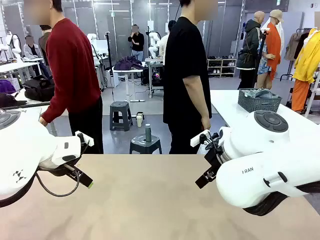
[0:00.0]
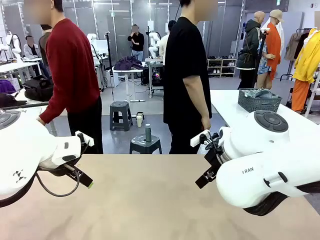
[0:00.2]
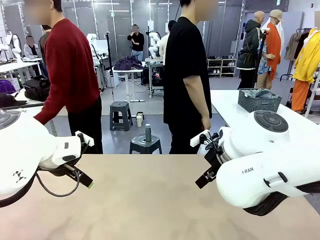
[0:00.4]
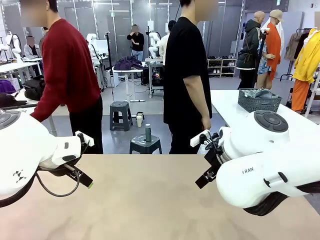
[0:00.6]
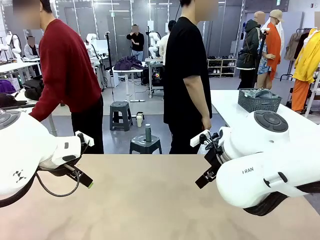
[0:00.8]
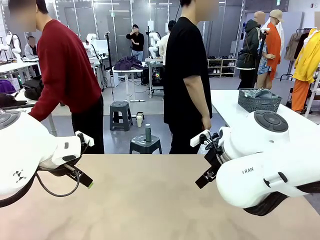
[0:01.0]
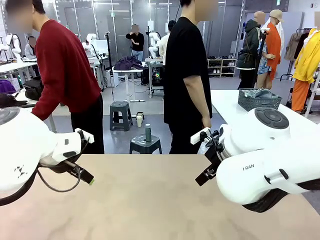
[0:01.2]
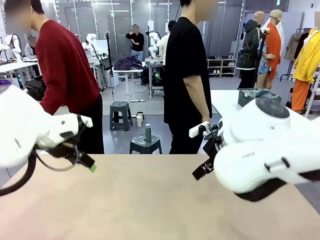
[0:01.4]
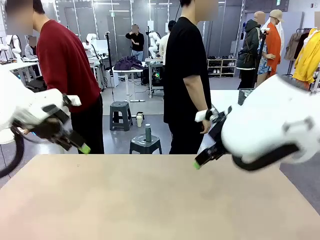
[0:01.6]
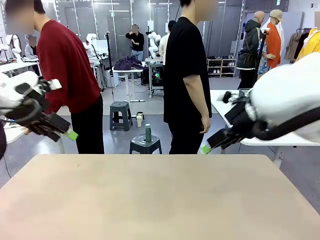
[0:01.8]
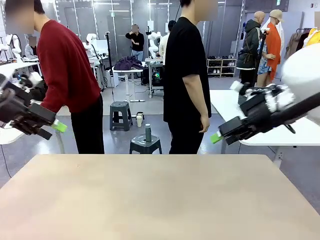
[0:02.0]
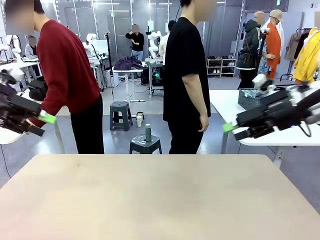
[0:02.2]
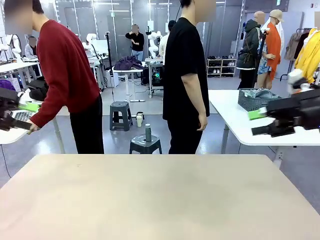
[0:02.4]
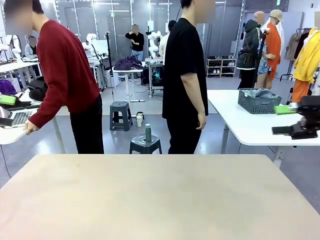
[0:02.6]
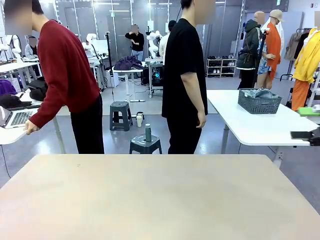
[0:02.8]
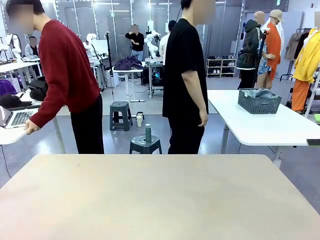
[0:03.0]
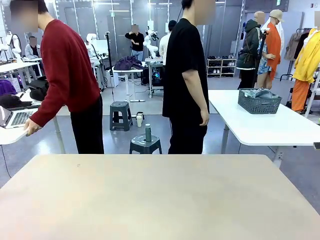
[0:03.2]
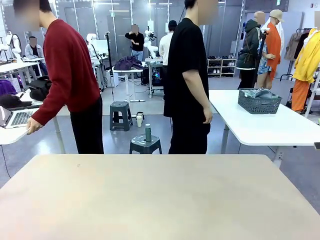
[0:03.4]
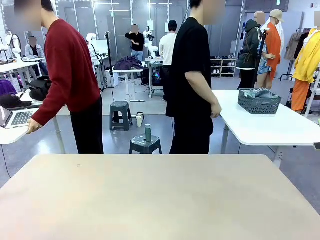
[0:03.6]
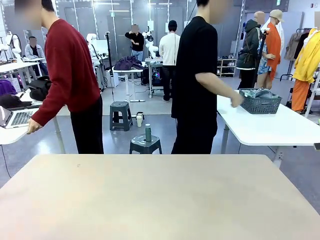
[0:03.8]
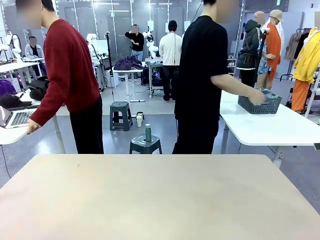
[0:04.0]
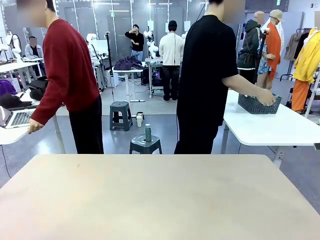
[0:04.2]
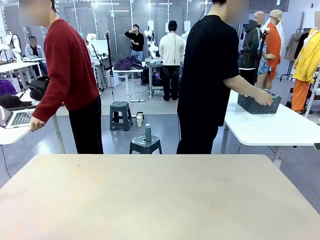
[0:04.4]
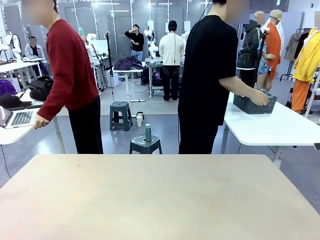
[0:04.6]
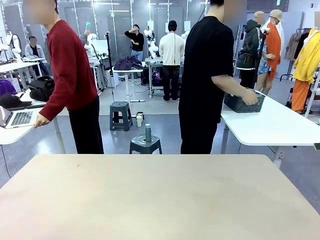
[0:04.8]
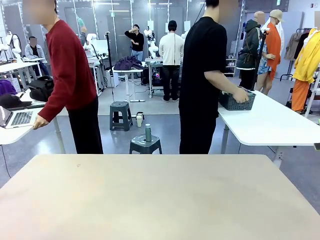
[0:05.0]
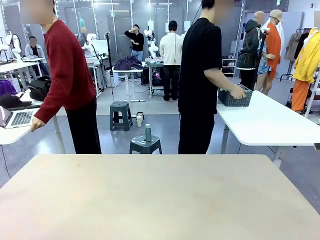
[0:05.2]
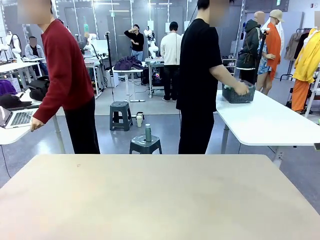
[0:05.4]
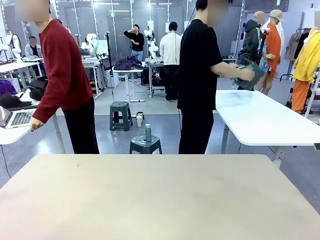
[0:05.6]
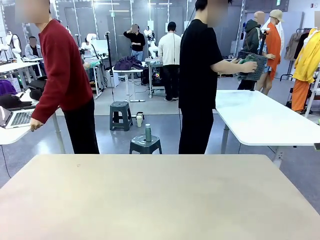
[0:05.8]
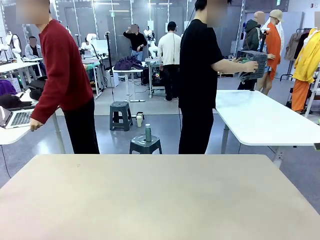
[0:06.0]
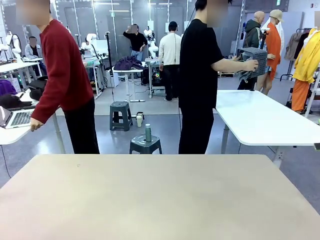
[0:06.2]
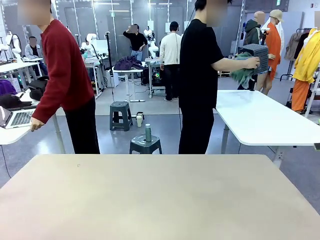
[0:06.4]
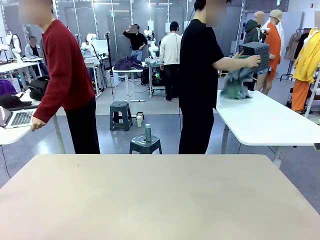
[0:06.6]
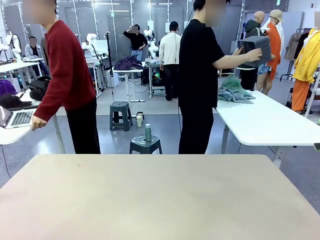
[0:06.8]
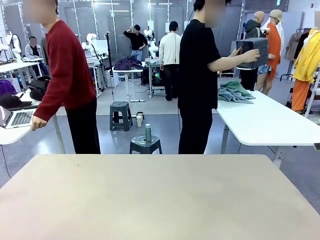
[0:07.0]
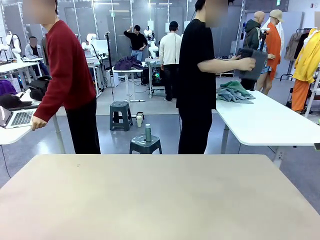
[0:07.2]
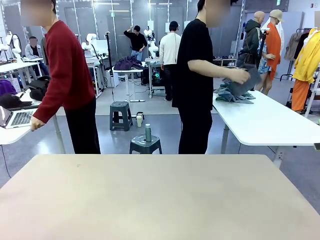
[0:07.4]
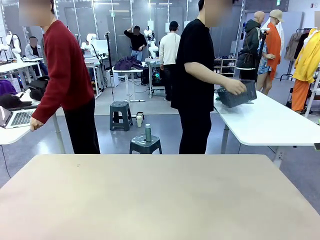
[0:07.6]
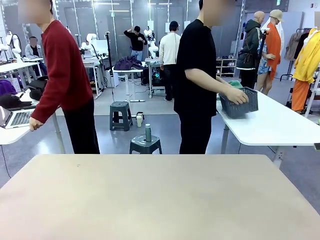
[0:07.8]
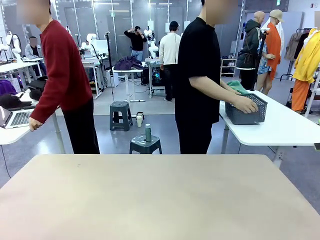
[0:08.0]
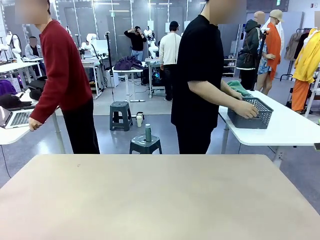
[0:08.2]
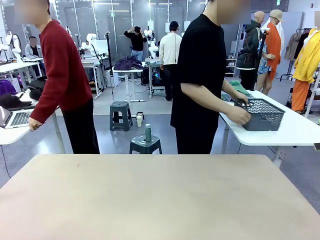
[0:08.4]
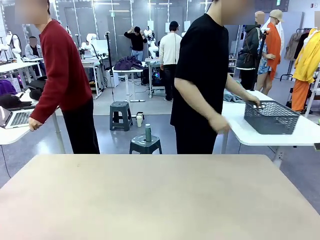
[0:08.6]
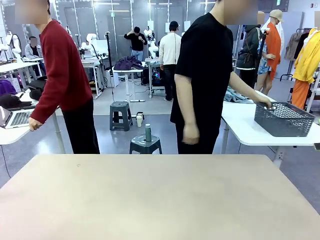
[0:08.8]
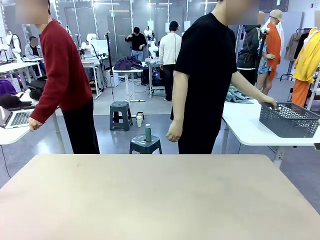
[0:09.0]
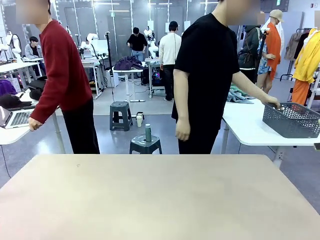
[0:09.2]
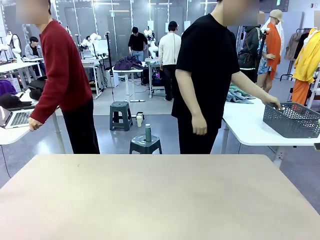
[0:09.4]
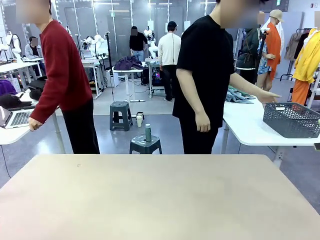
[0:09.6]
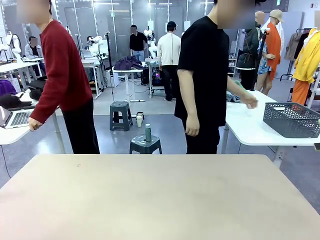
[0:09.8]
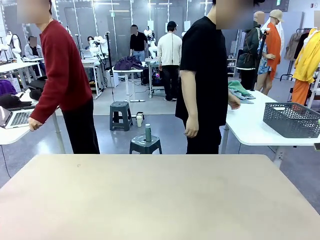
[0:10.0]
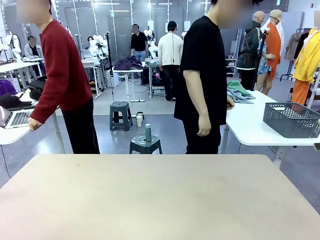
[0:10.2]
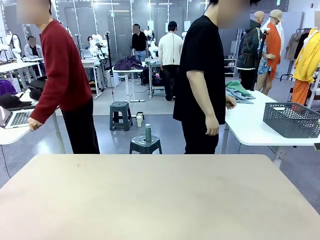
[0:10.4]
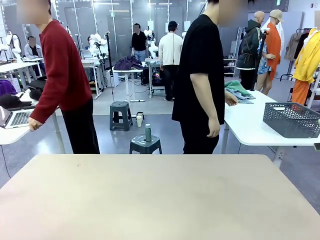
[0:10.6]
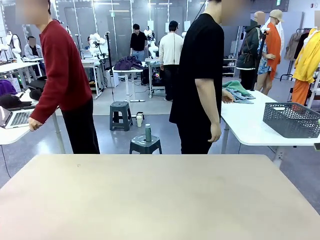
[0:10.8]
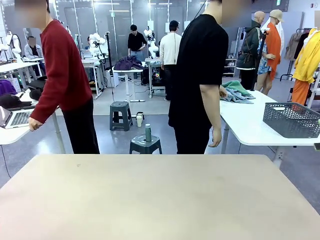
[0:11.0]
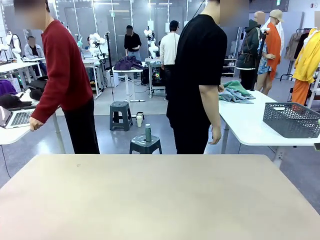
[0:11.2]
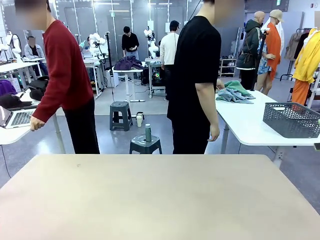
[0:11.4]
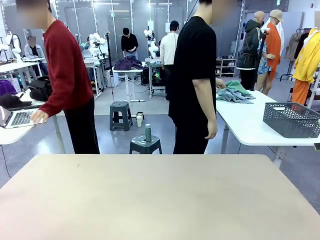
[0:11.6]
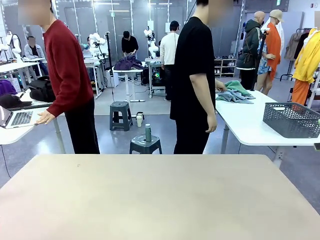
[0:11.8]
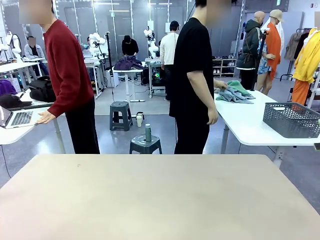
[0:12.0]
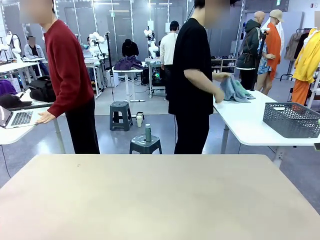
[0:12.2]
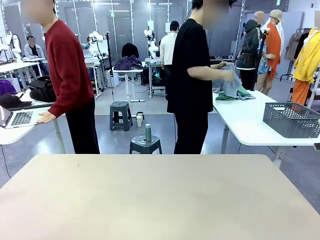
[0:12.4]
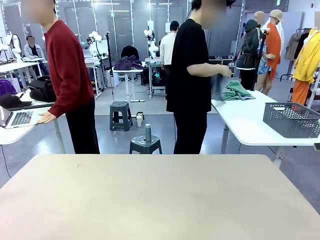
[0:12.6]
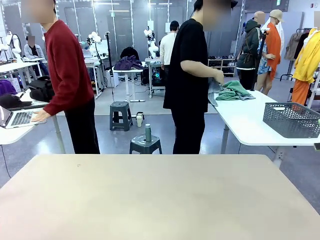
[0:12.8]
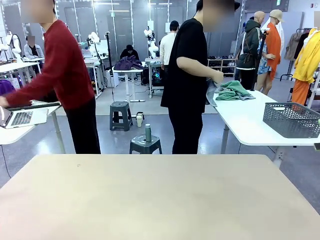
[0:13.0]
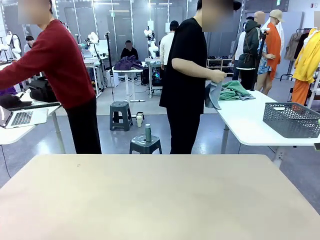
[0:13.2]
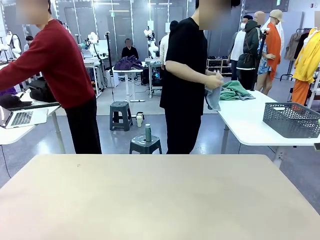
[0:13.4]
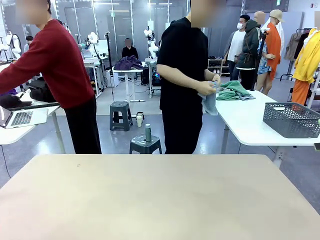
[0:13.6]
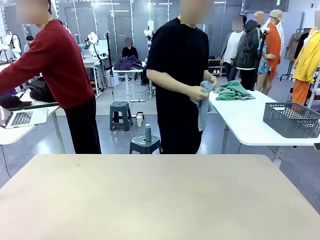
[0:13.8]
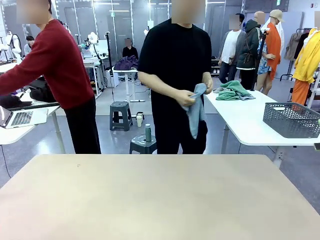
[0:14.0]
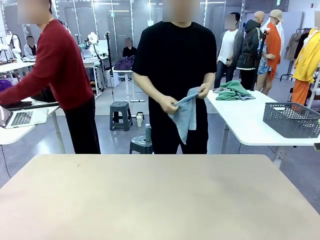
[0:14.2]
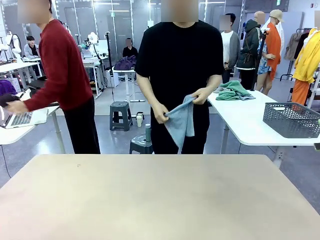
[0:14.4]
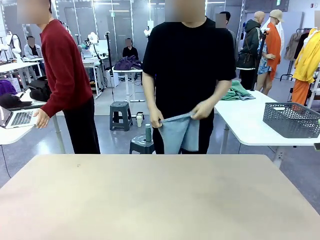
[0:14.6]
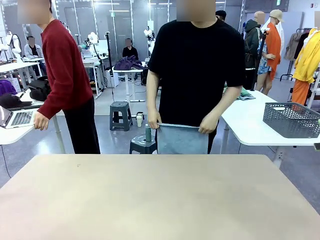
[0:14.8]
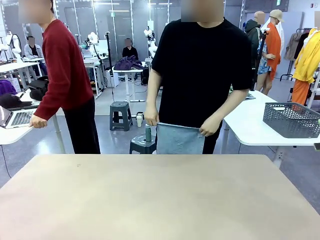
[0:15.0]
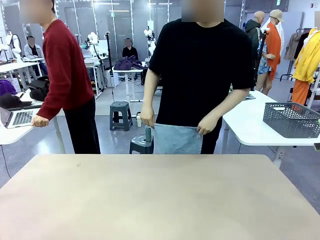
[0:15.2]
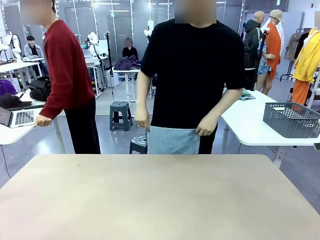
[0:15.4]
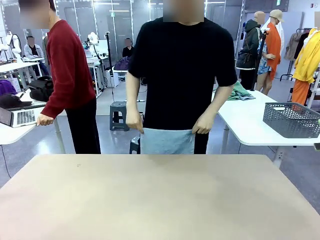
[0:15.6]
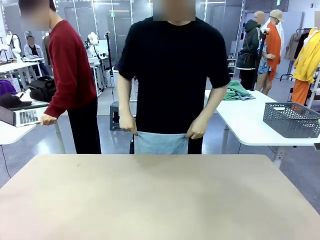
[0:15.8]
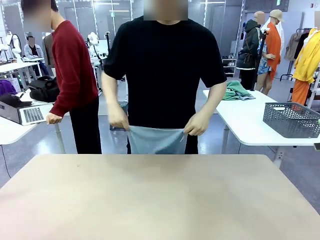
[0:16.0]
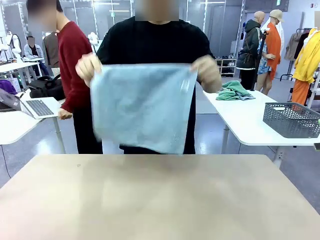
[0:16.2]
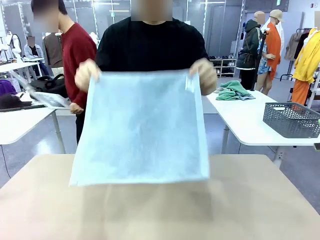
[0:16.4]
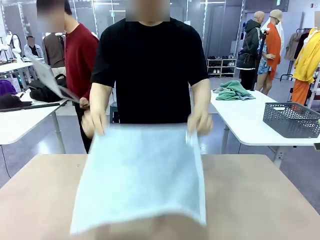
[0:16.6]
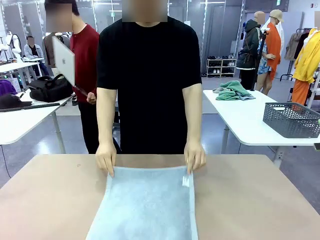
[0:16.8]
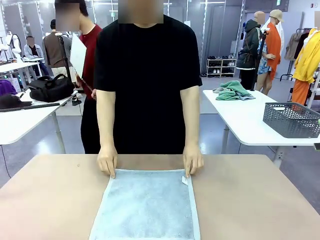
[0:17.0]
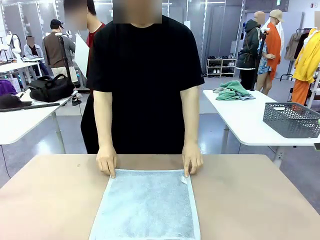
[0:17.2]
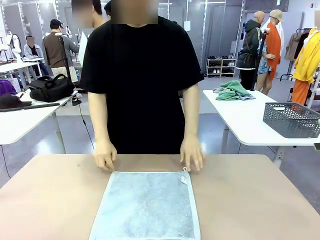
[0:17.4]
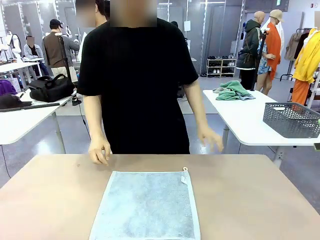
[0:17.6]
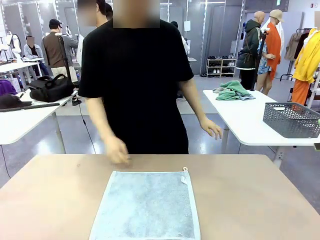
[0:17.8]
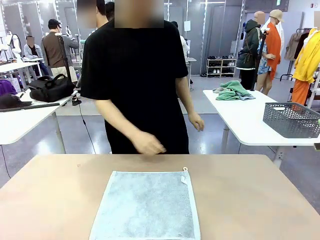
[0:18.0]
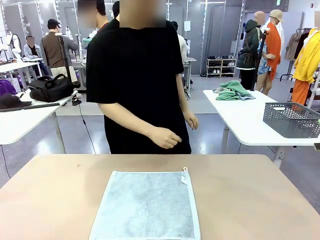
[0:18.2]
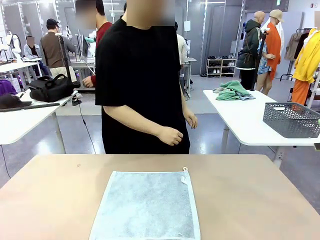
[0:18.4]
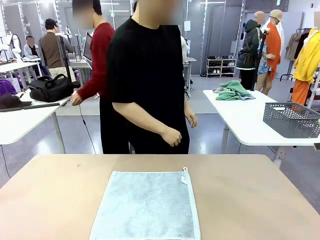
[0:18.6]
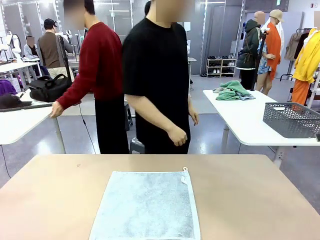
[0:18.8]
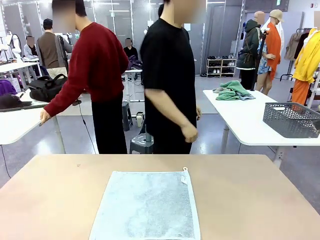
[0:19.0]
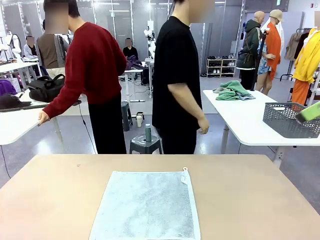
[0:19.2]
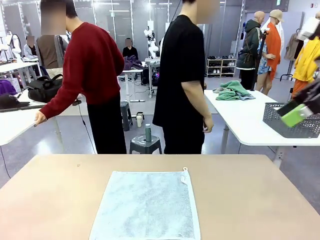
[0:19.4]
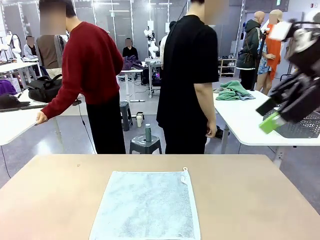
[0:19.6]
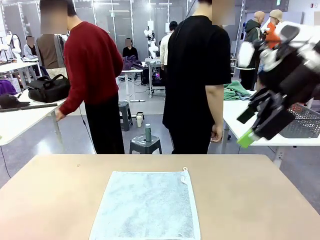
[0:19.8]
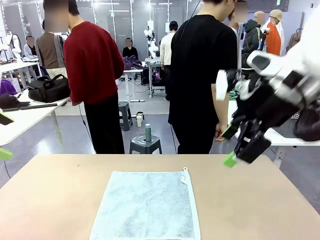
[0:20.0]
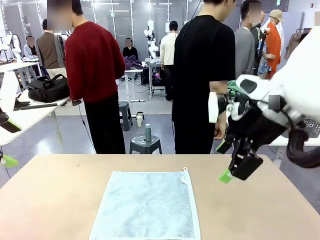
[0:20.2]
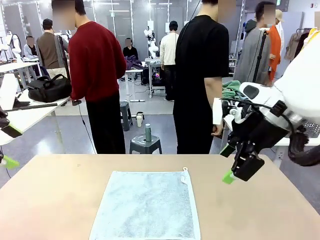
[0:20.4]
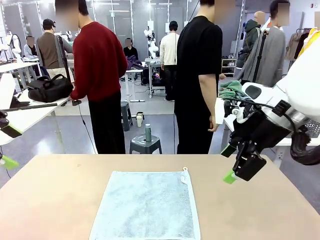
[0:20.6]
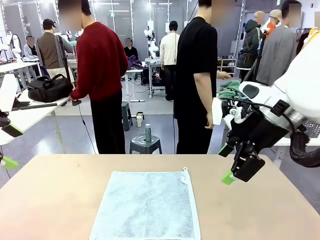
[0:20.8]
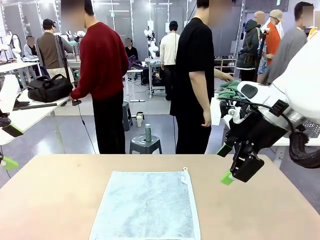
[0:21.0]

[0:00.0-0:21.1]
Task: Fold the towels and place them in the basket.
Robot: When a person lays out a Towel with hook on the table, fold it in half twice.
Person: Pick up the basket, pour the towels onto the left side of the human table, and place the basket on the right side. Pick up one towel and spread it out at the center of the robot table.
